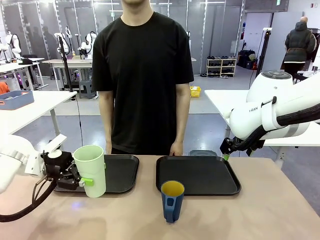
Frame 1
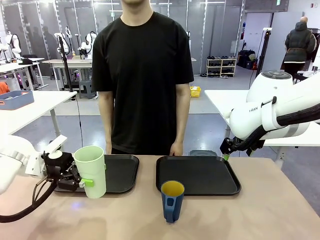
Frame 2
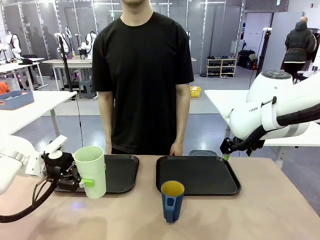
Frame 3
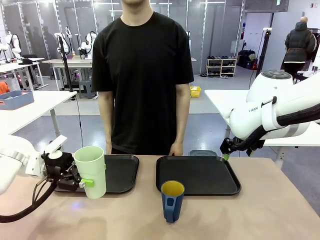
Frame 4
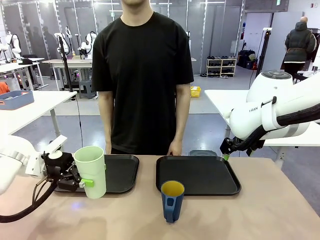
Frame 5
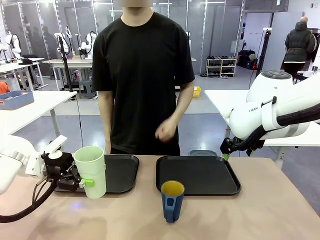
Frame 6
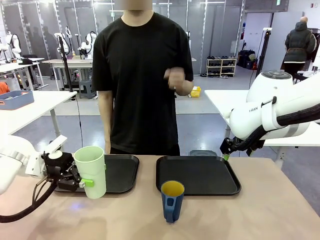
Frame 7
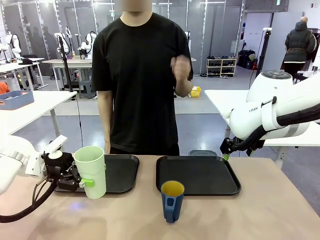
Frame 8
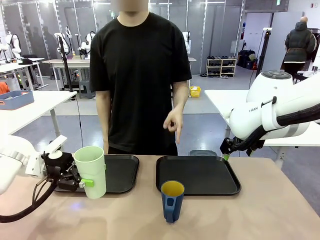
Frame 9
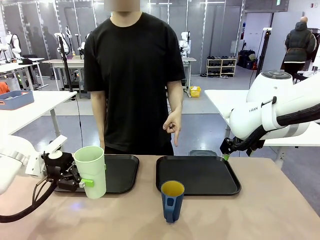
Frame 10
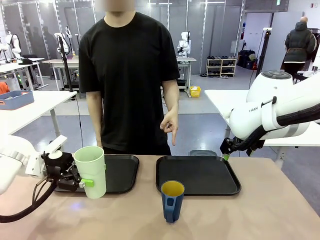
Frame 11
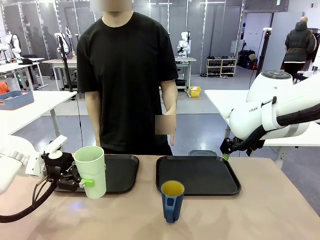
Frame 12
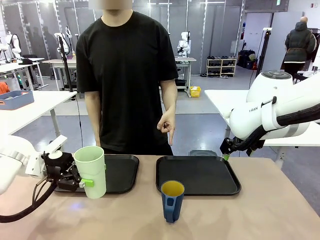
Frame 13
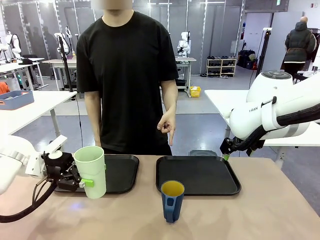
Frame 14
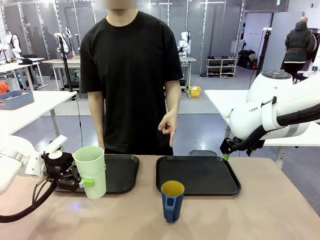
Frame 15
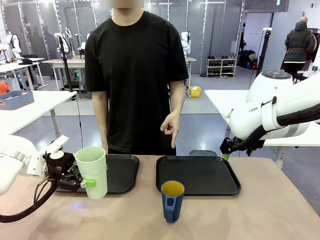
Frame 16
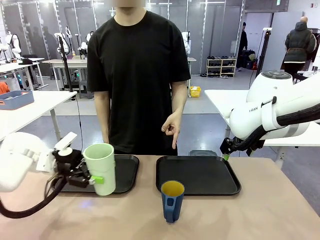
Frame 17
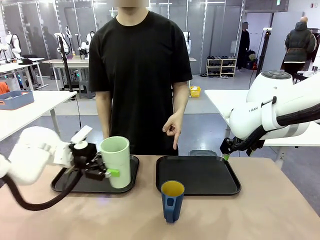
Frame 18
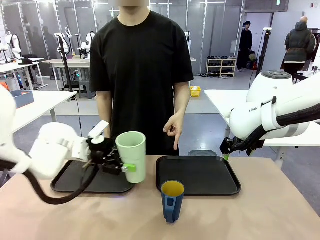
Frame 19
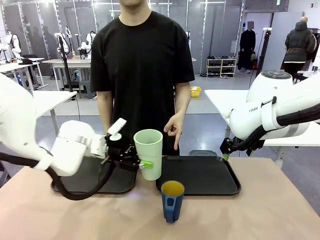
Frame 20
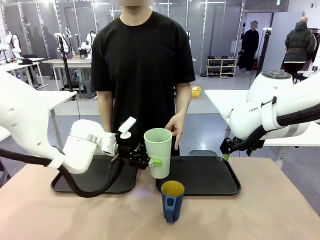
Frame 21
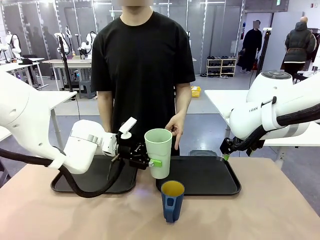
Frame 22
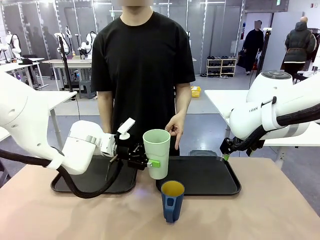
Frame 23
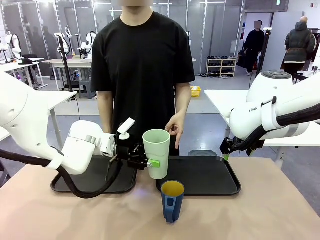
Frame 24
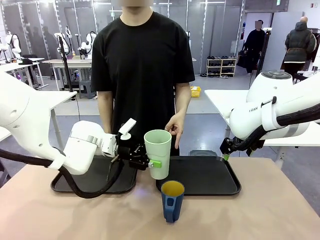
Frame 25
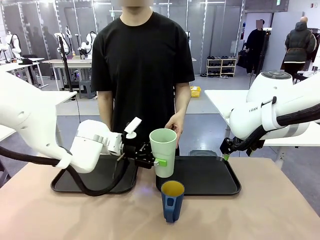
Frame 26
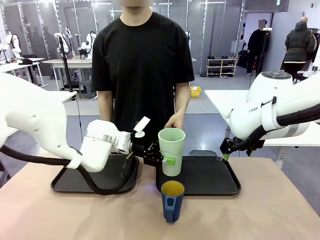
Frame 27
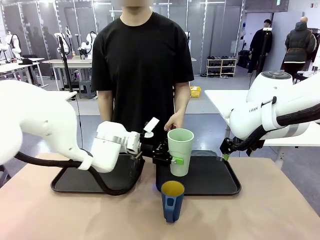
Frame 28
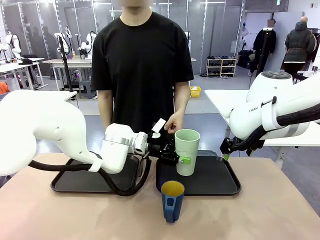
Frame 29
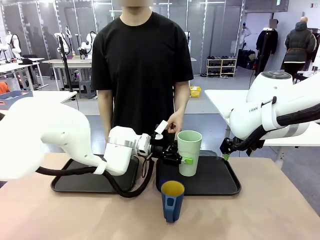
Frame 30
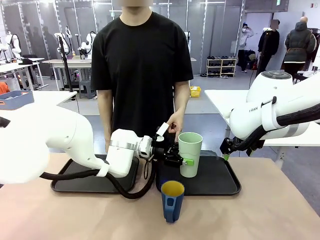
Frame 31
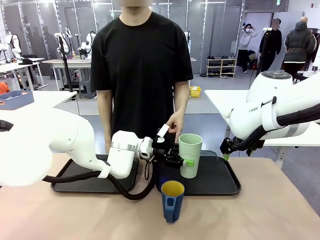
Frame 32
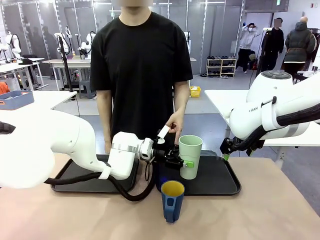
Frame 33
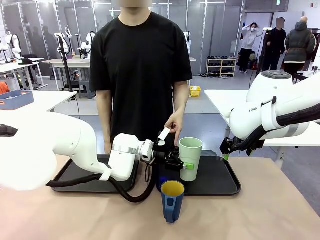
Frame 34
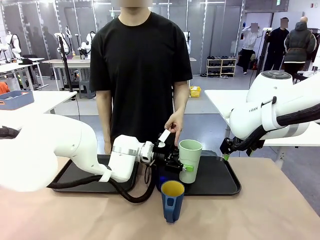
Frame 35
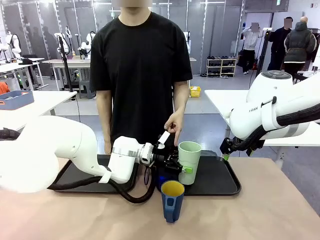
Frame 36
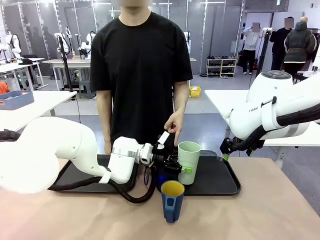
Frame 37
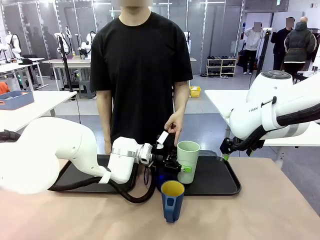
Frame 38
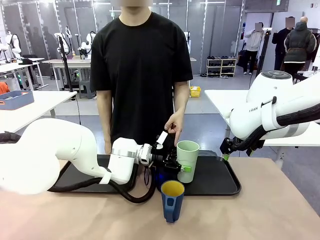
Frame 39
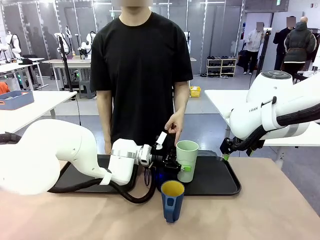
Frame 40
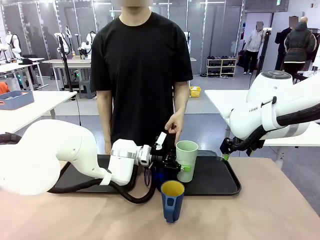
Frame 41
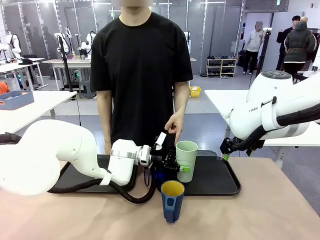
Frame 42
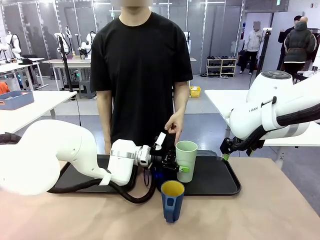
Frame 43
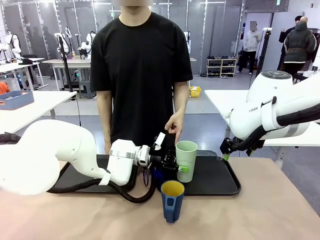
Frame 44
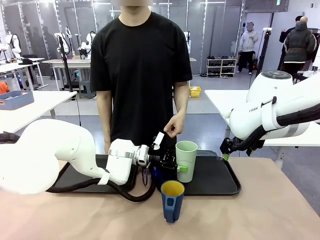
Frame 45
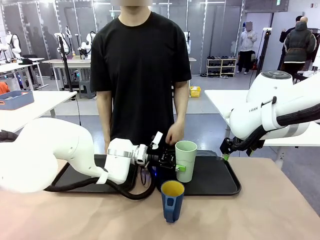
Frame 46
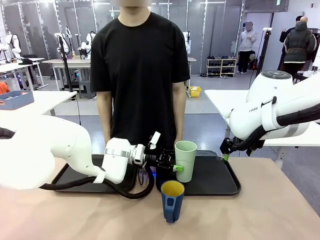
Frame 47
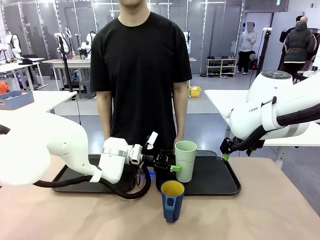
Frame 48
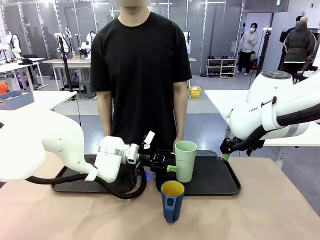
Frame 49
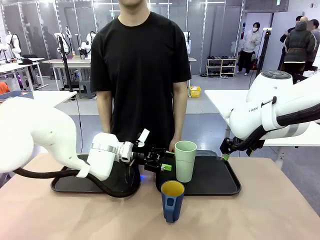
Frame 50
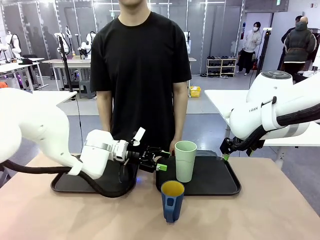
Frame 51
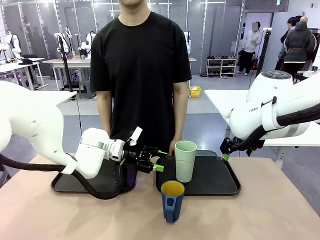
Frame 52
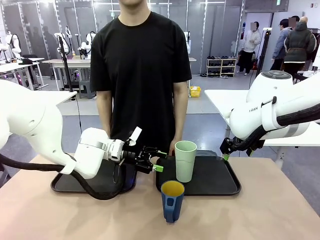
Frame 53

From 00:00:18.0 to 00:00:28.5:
Task: Sort and store the cups by type.
Robot: Place the picked Reusable plastic cup into the Flat Tray indicated by the person.

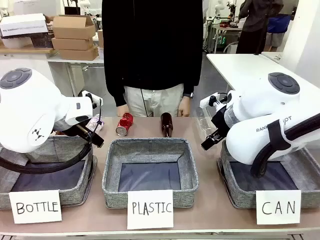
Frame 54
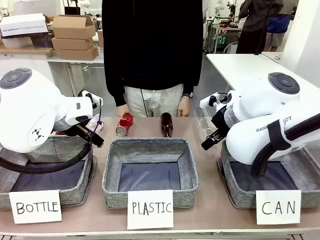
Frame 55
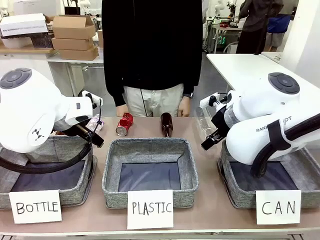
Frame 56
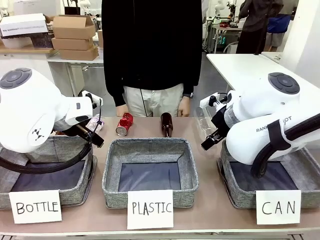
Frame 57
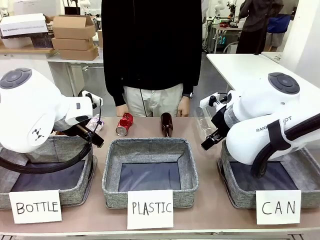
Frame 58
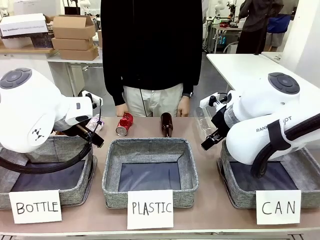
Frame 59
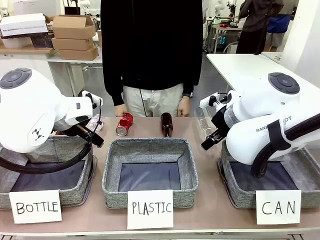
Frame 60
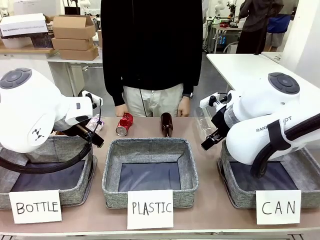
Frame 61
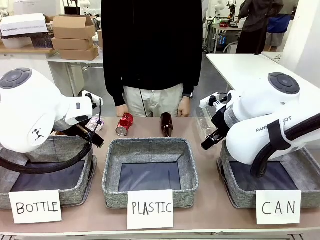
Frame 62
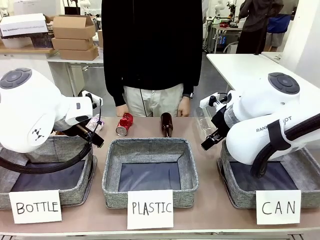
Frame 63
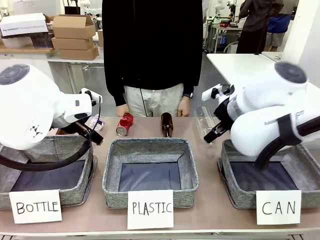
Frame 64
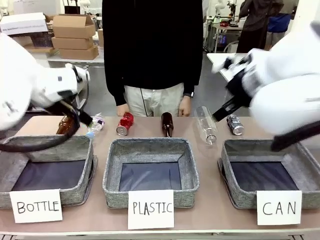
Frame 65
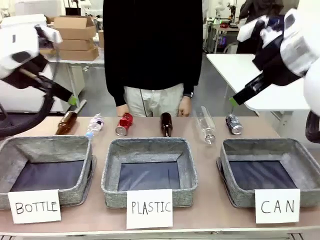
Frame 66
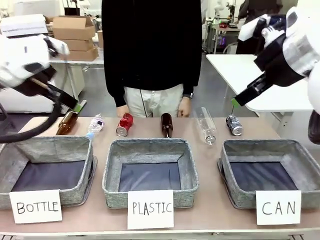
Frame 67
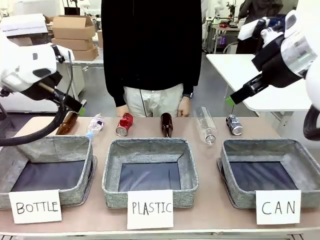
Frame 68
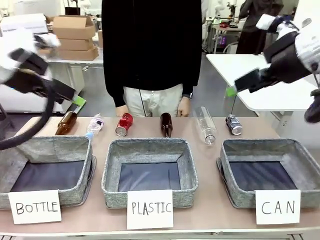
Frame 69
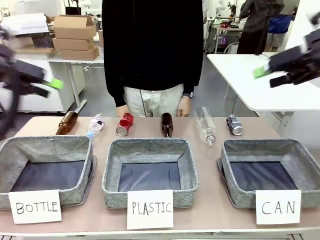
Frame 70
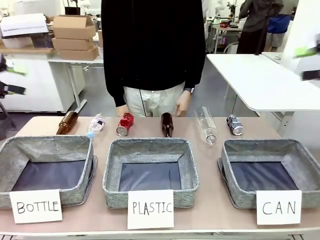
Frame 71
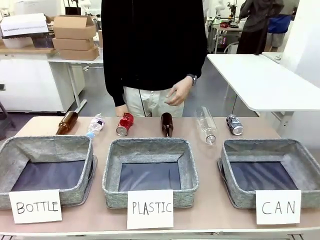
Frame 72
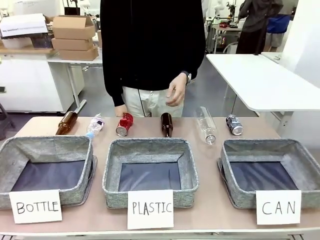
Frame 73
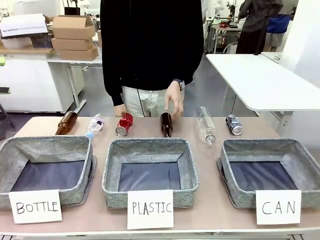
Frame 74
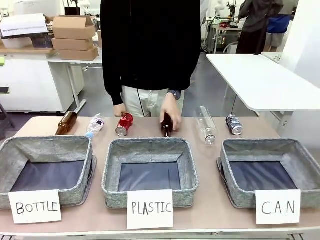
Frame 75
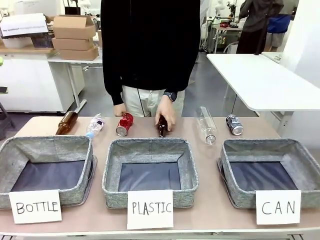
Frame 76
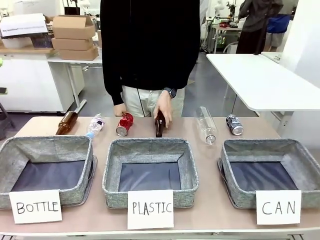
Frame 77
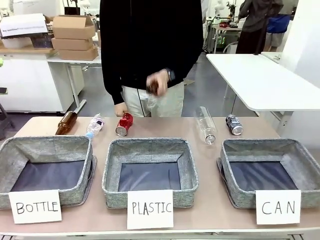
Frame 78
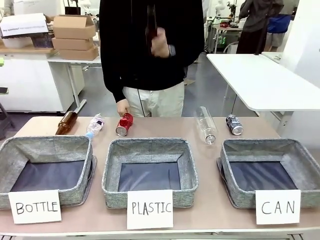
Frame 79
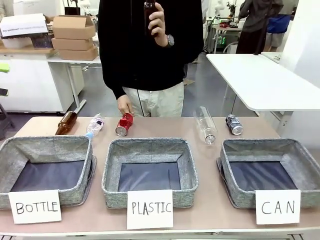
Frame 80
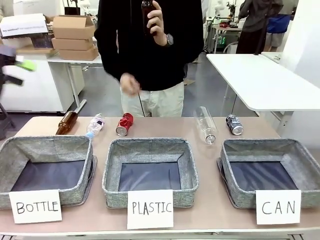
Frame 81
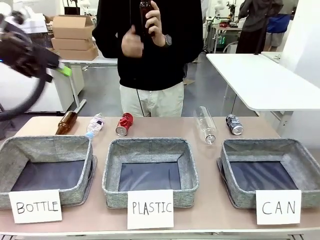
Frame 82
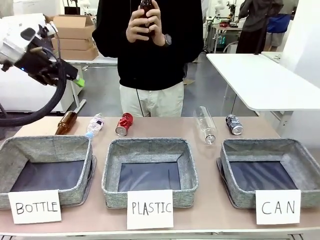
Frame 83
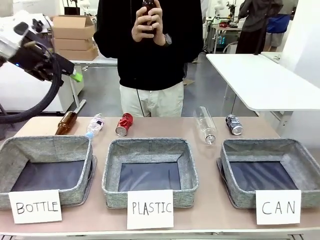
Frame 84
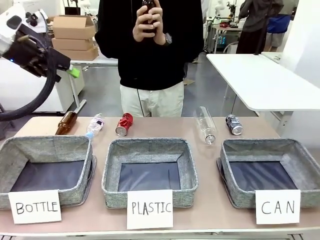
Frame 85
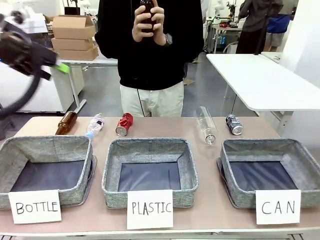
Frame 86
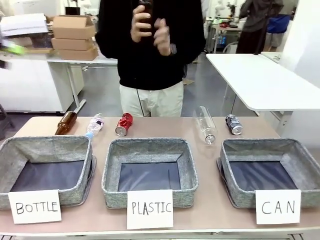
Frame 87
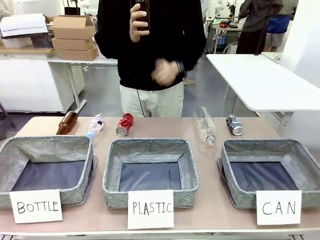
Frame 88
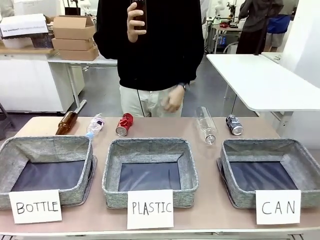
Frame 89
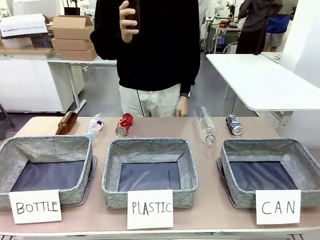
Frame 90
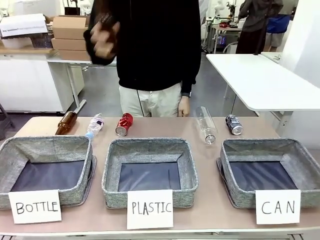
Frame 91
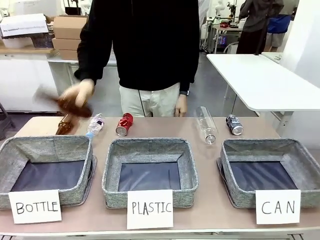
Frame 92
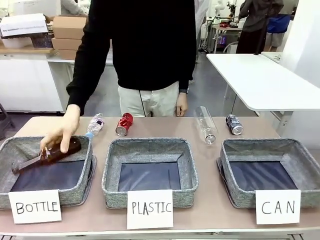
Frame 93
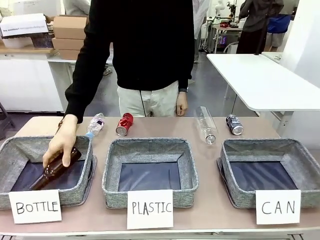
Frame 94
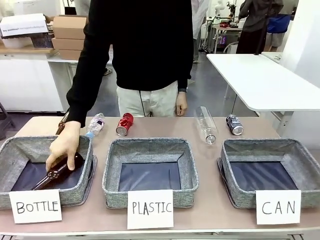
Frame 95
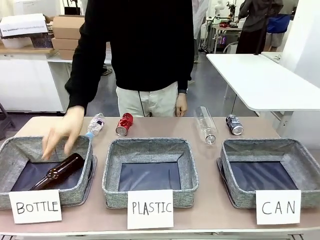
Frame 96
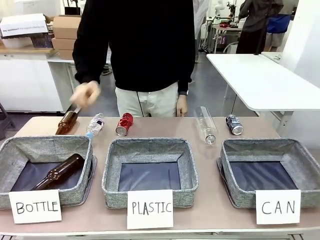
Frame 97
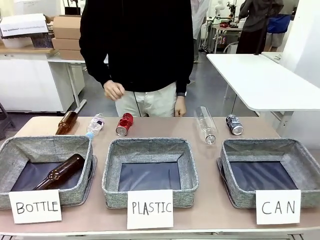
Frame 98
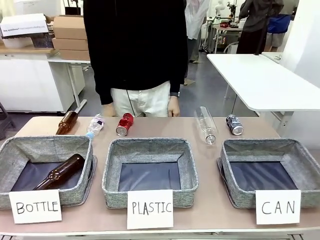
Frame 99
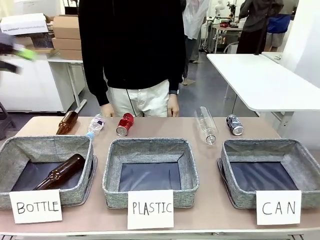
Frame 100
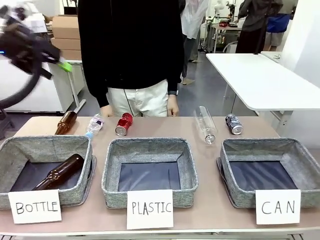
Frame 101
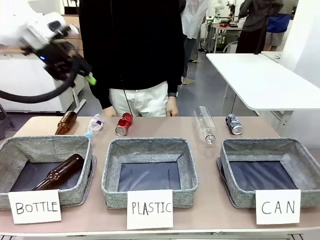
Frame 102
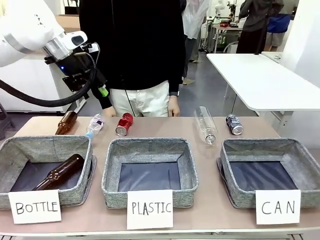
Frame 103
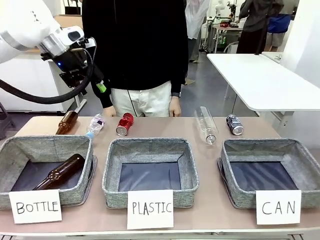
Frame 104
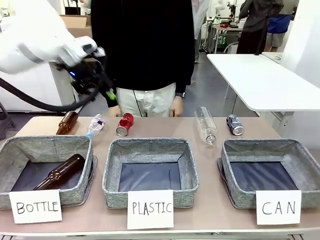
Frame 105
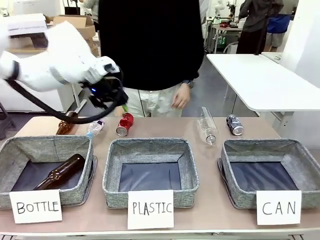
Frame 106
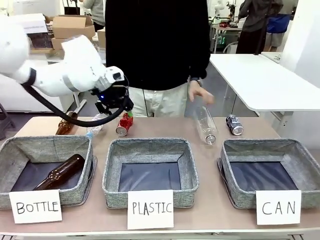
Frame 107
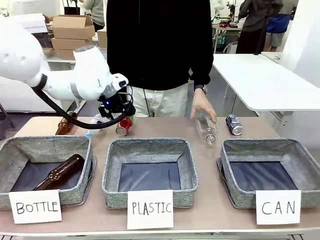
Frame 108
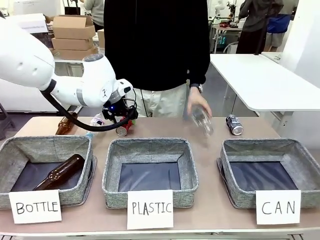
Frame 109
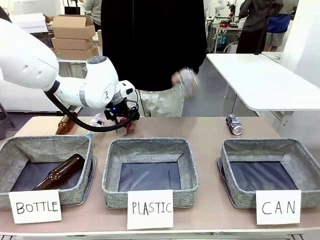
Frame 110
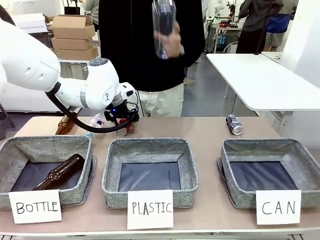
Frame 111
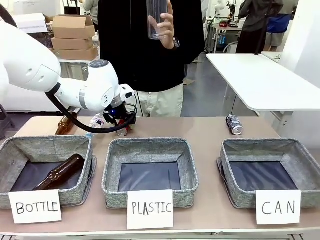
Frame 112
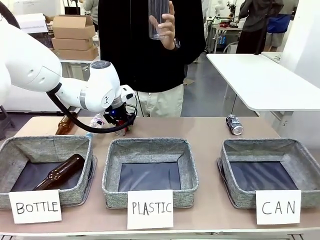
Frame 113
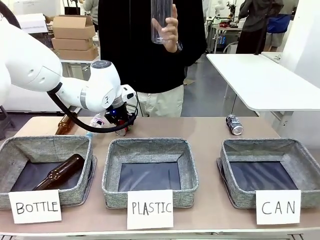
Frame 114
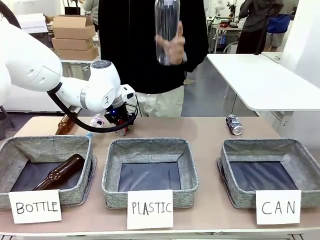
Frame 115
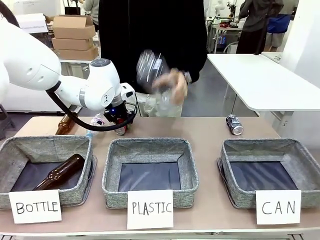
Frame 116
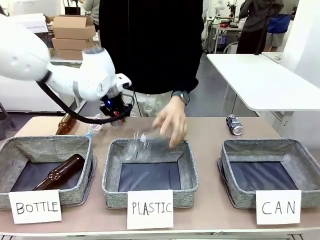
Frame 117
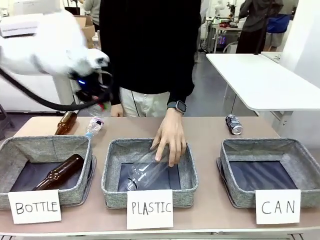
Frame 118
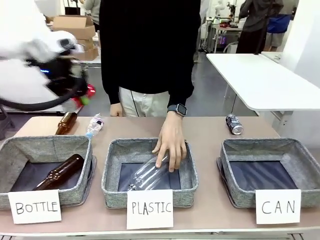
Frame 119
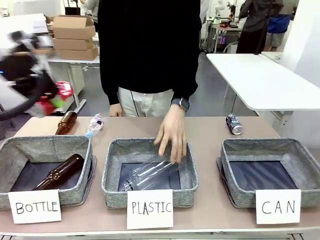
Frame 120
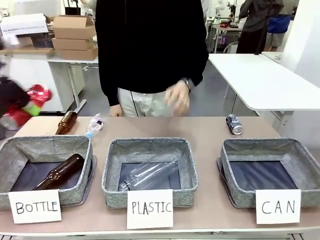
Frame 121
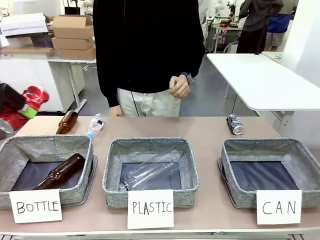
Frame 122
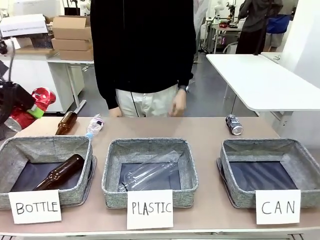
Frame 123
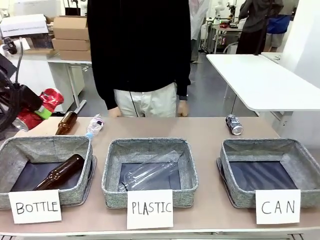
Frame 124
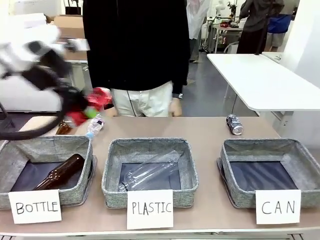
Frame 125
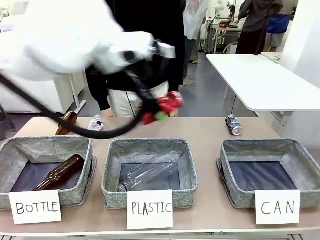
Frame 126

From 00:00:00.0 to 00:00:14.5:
Task: Sort the can waste into the basket.
Robot: Pick up the can waste from the table and place it in the right Fabric basket.
